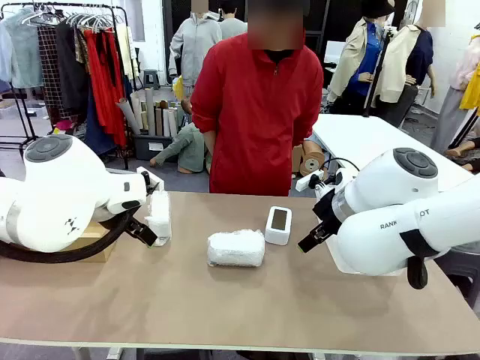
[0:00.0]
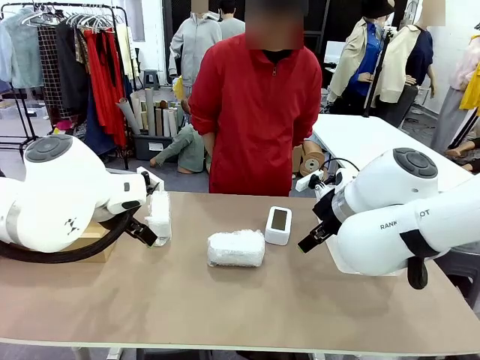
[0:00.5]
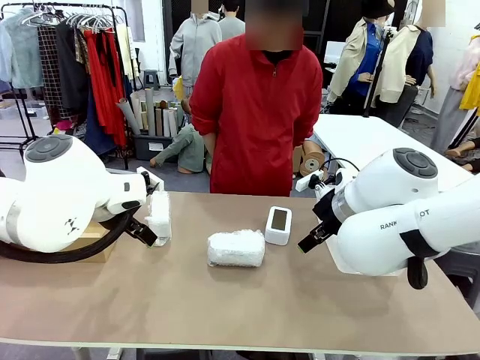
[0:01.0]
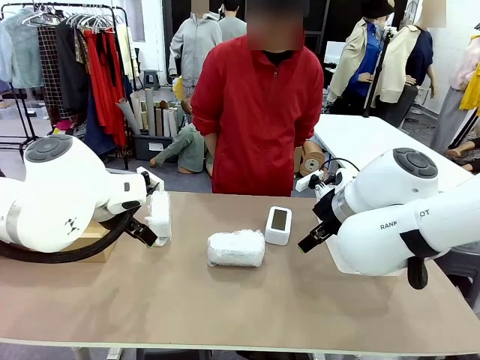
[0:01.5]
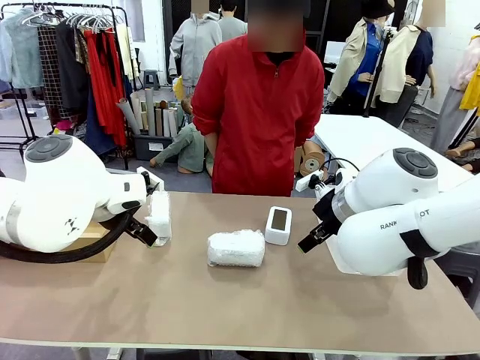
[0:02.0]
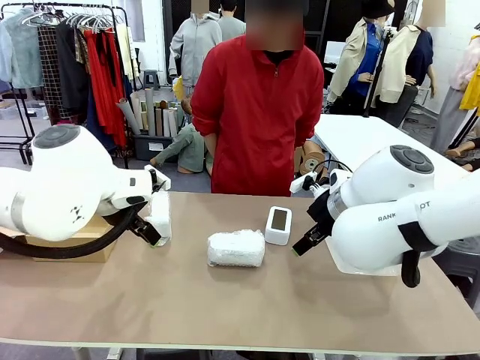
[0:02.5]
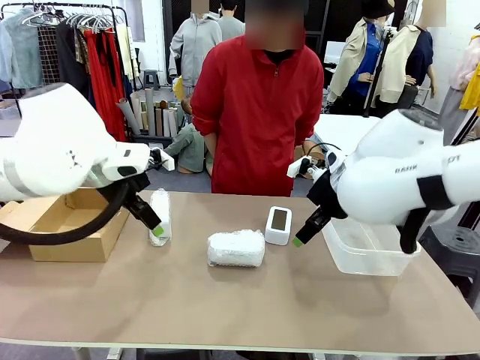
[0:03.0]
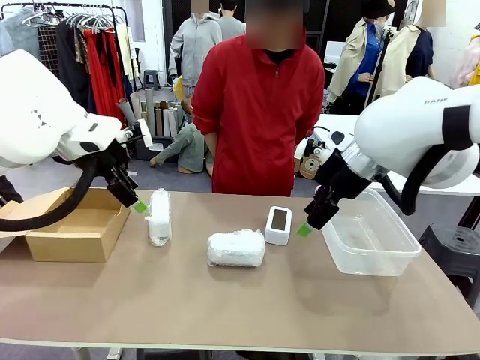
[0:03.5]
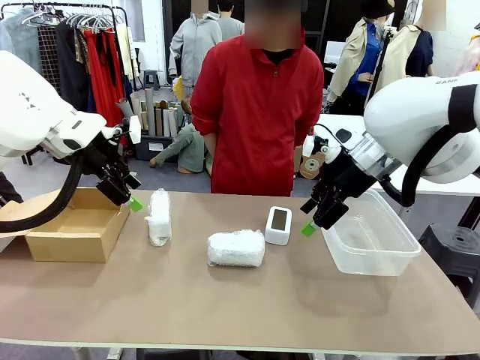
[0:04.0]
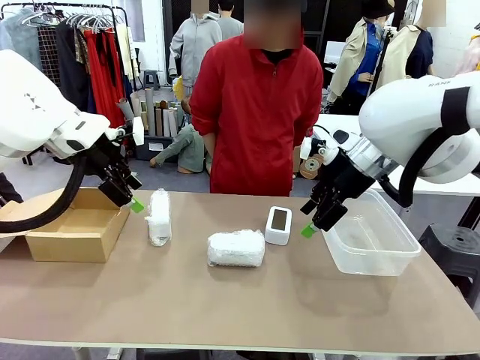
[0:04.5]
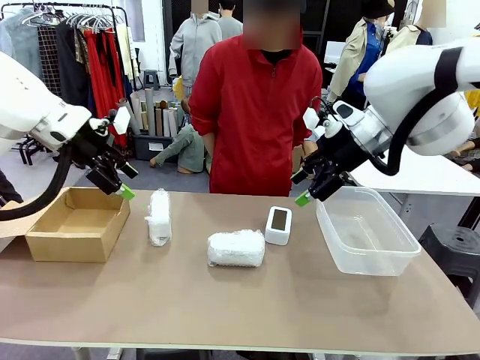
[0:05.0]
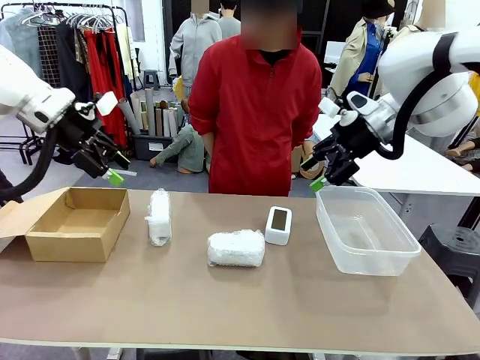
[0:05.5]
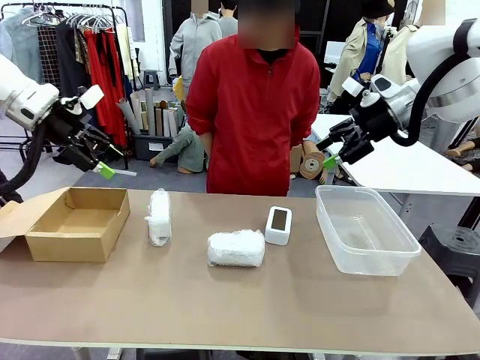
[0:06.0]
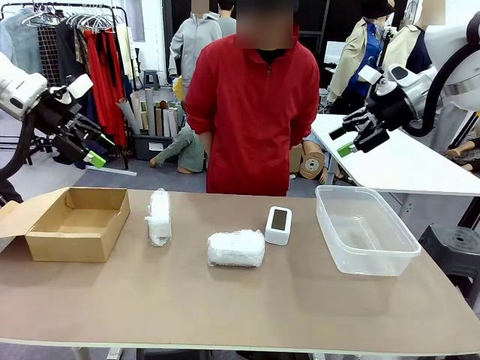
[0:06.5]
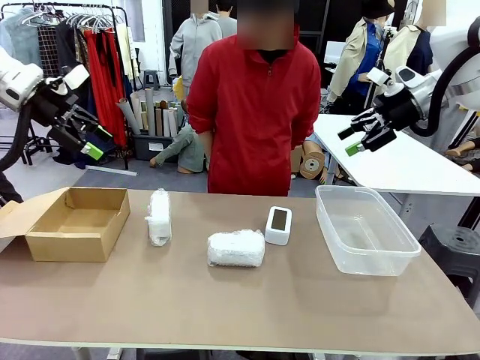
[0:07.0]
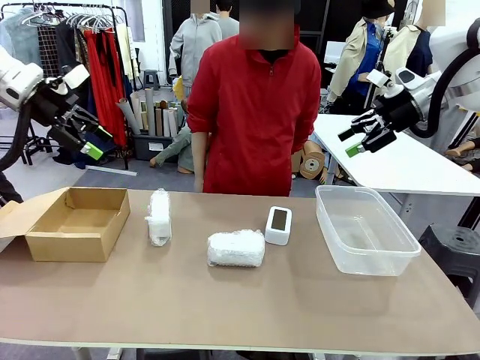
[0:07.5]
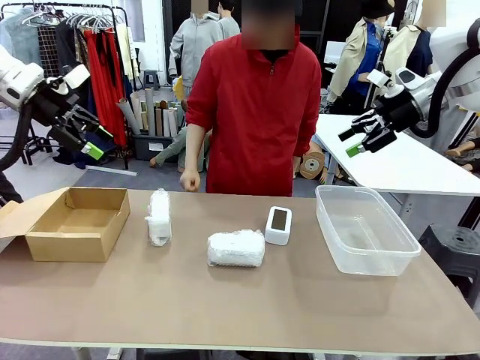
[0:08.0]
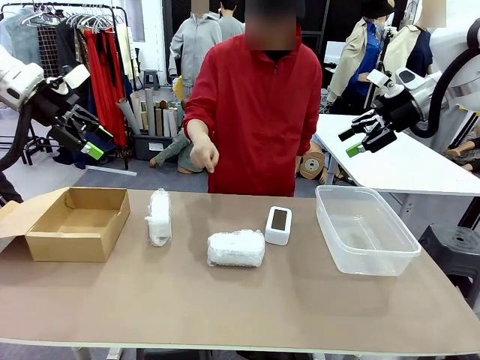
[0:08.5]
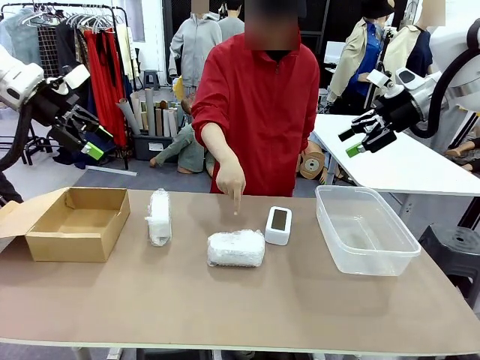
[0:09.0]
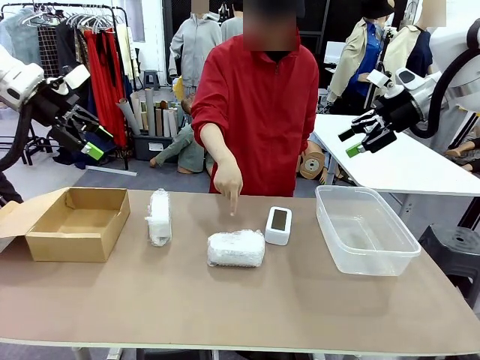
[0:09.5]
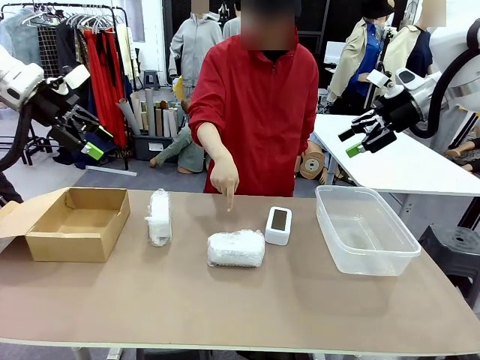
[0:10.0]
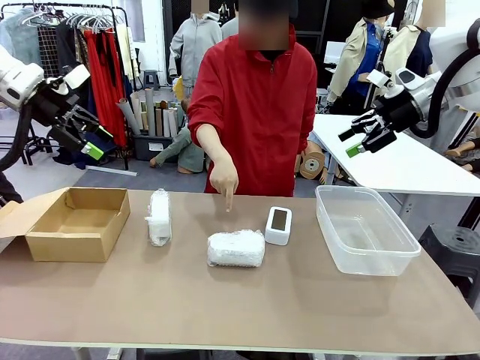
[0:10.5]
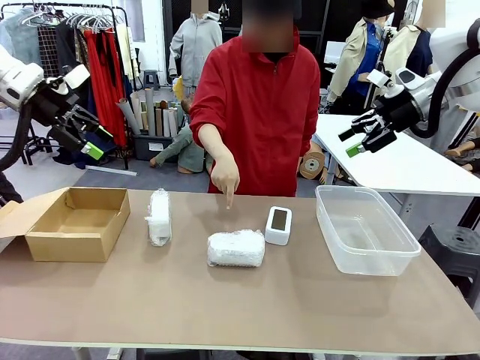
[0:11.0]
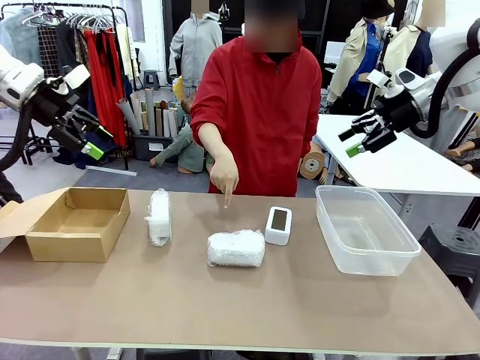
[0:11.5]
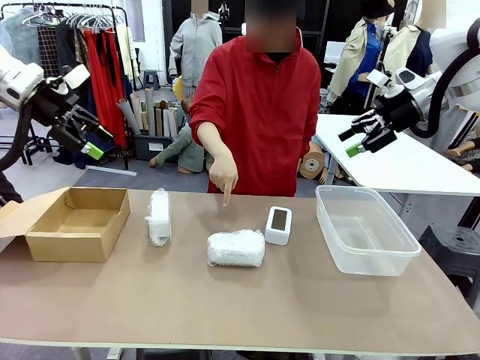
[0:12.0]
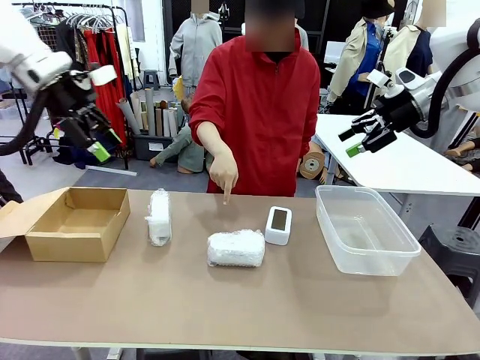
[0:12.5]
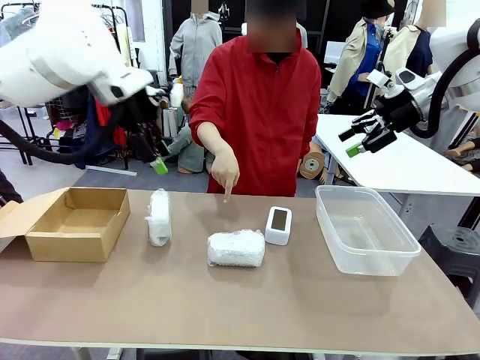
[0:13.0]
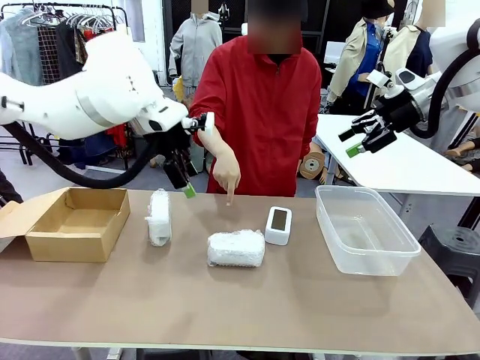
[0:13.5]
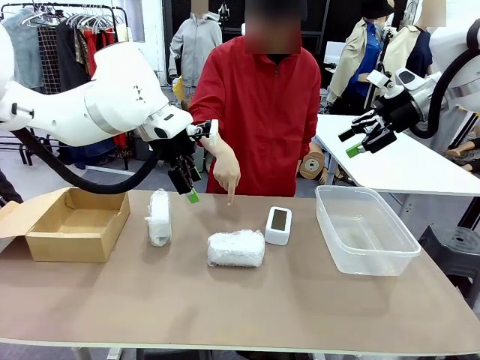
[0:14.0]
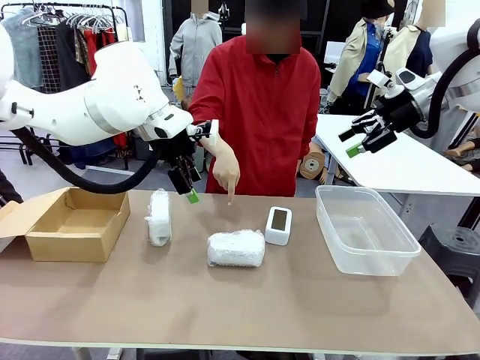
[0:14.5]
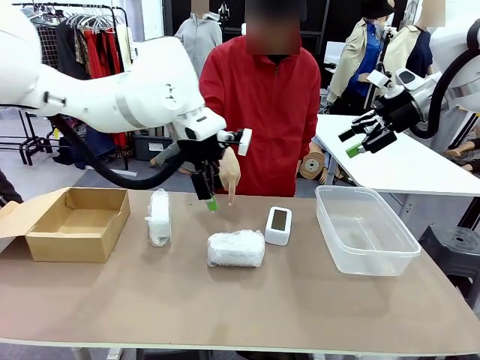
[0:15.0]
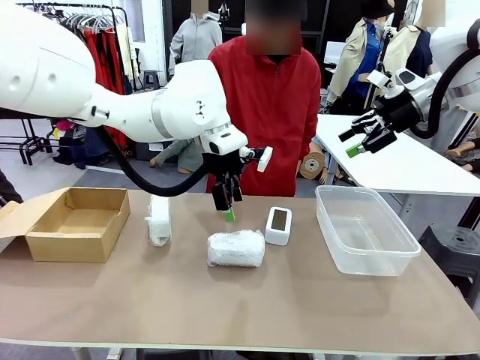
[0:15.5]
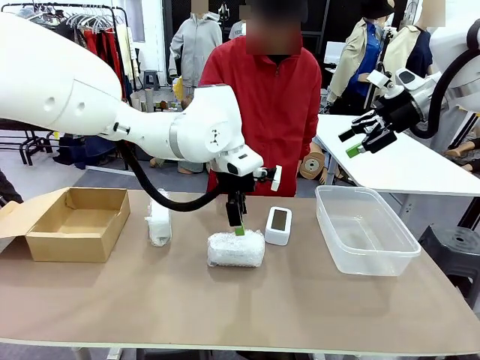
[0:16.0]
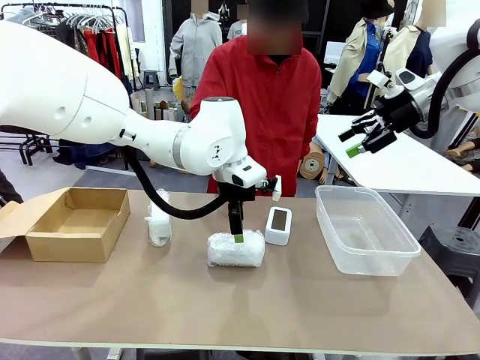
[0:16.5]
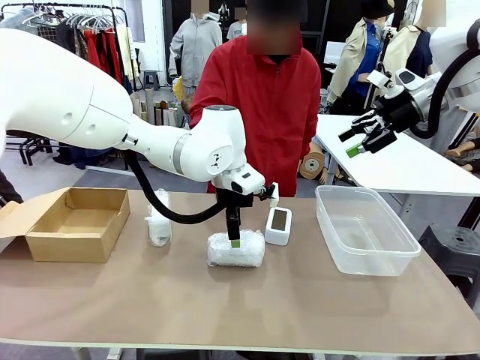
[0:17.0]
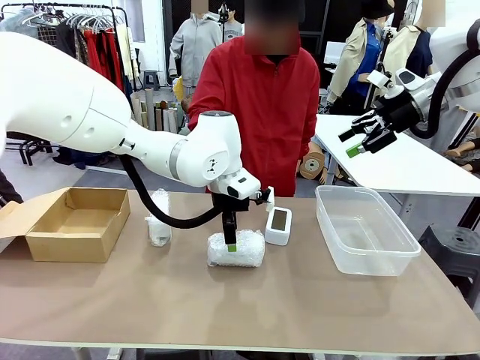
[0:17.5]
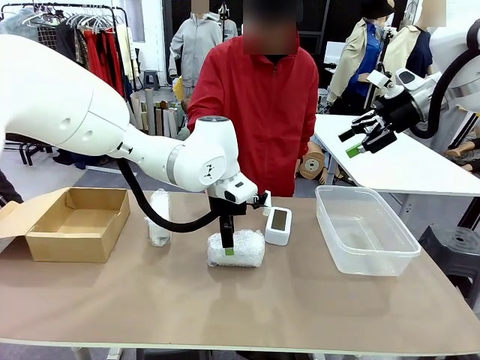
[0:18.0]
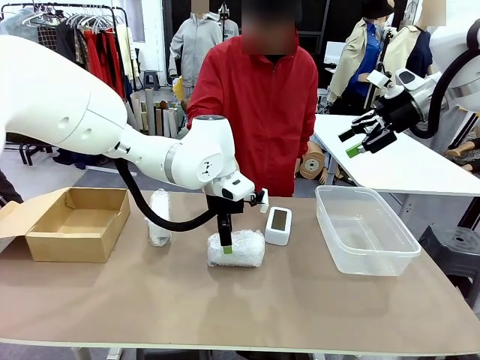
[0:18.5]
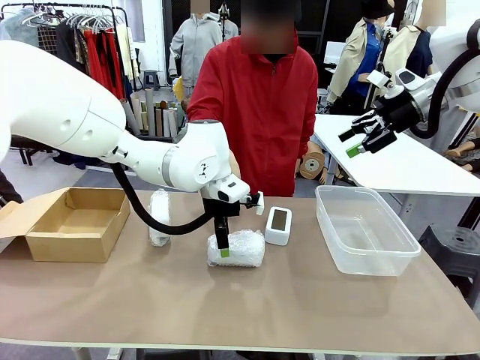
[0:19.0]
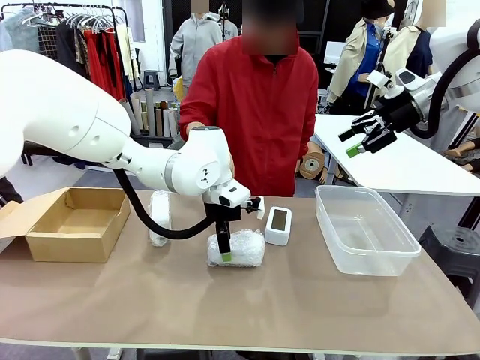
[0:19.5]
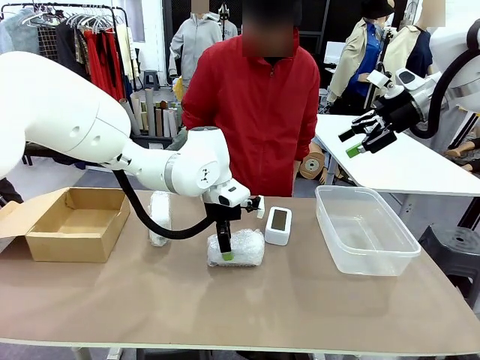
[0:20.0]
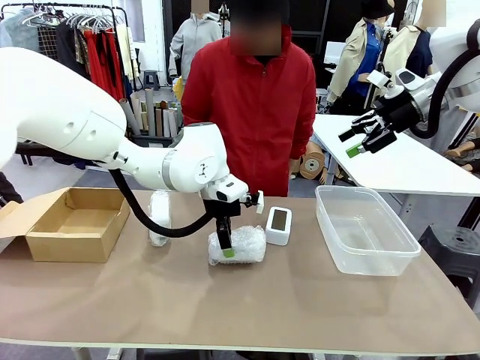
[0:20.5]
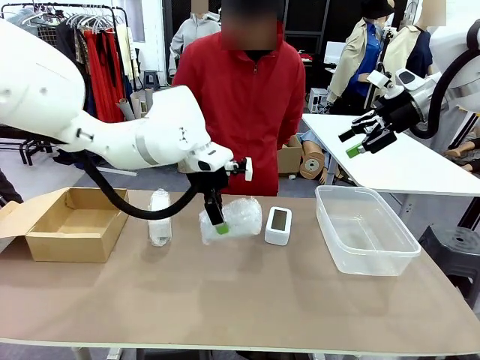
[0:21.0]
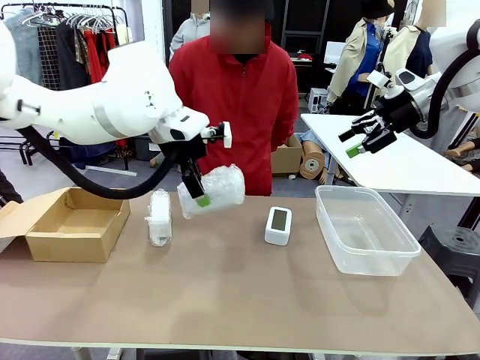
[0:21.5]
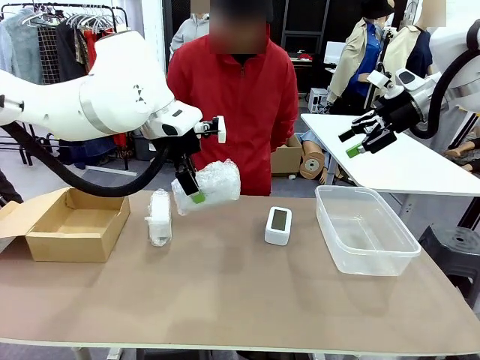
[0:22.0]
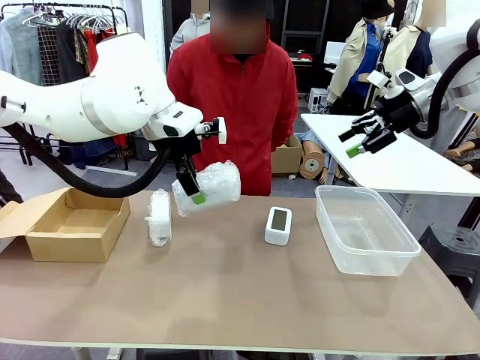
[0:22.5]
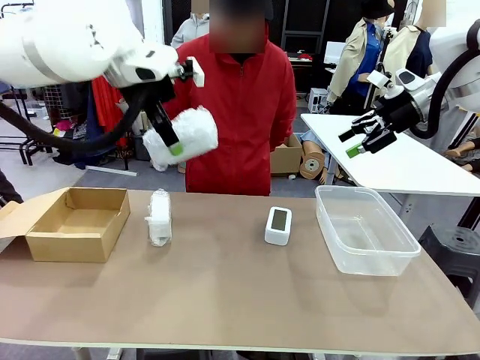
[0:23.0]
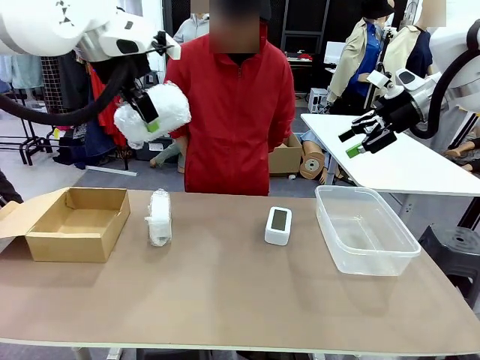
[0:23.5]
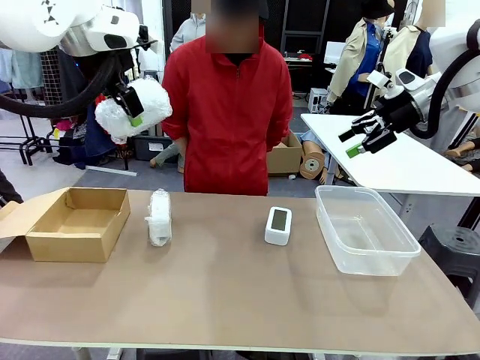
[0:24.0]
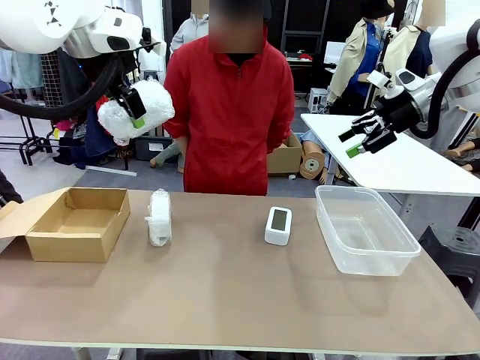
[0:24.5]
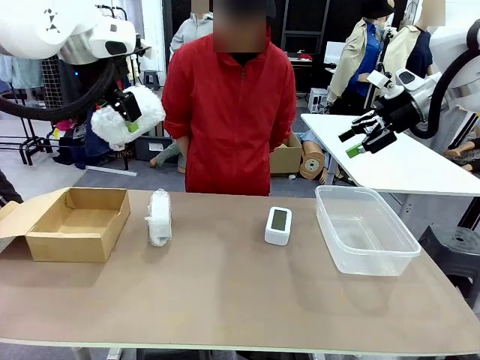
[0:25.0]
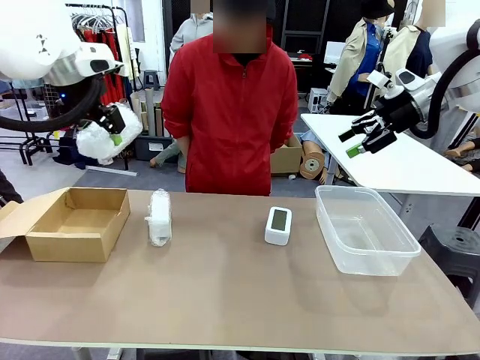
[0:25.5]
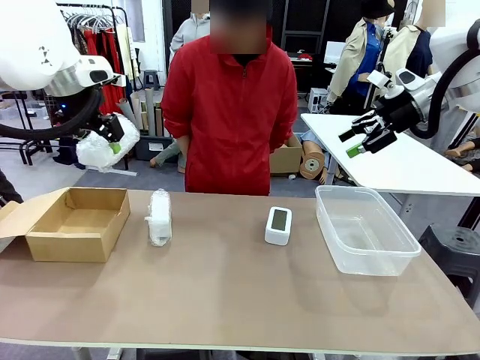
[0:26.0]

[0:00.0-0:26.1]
Task: Separate and place wrapped and unwrapped clocks.
Robot: Pick up the Digital clock indicated by the person.
